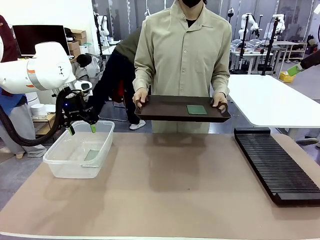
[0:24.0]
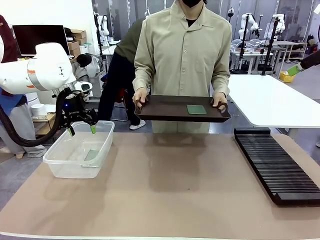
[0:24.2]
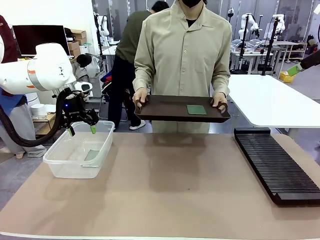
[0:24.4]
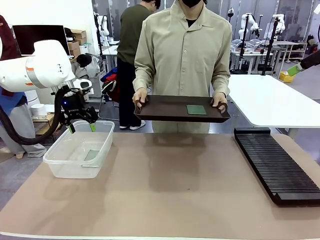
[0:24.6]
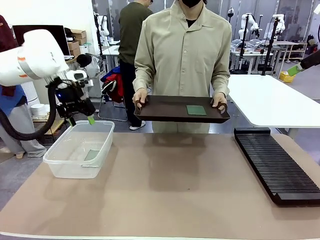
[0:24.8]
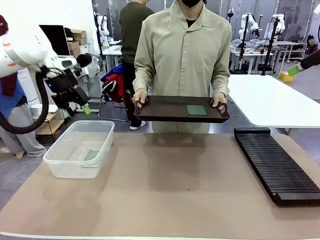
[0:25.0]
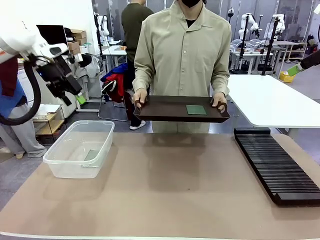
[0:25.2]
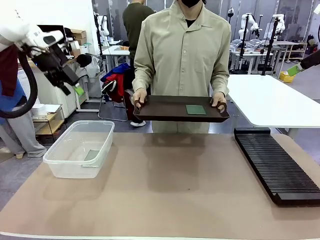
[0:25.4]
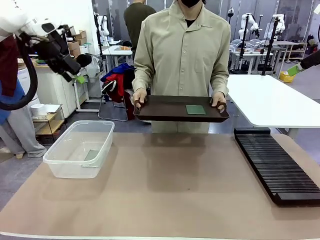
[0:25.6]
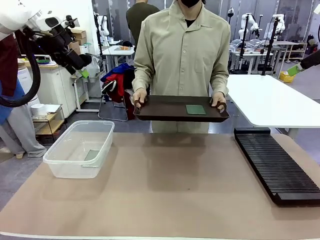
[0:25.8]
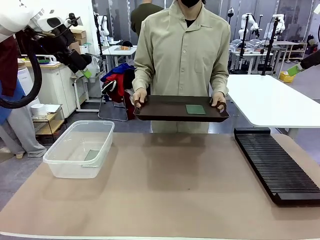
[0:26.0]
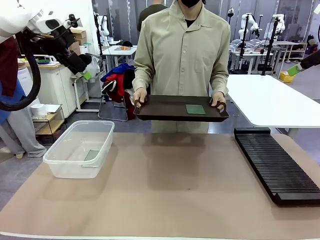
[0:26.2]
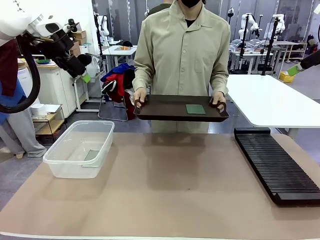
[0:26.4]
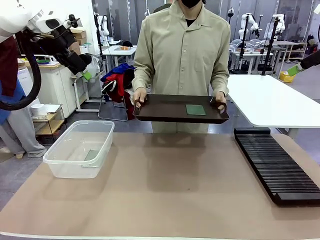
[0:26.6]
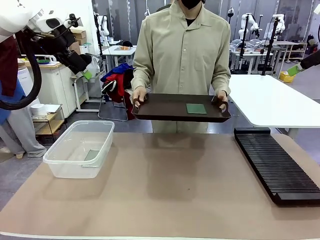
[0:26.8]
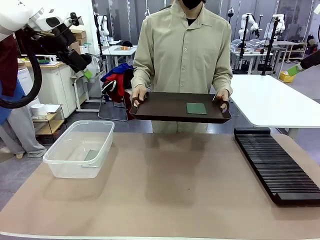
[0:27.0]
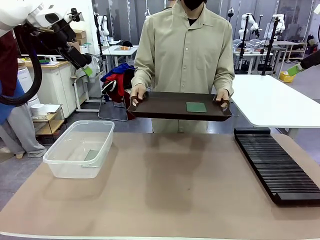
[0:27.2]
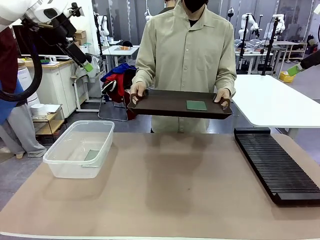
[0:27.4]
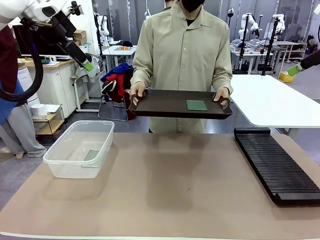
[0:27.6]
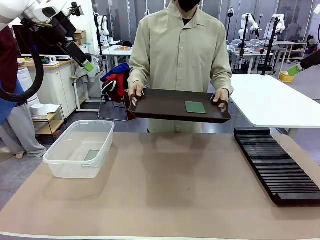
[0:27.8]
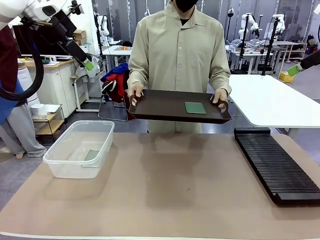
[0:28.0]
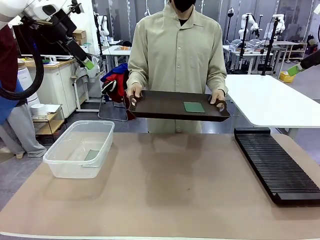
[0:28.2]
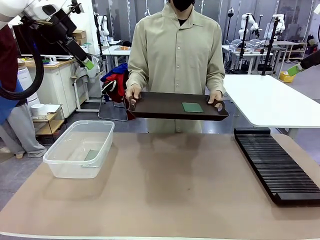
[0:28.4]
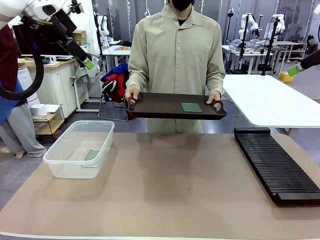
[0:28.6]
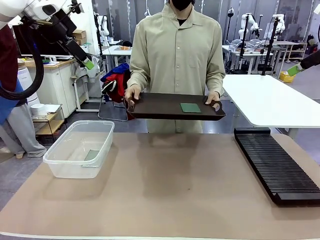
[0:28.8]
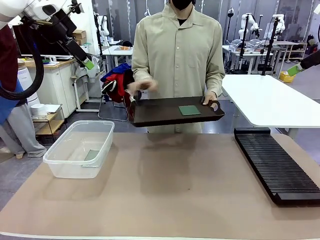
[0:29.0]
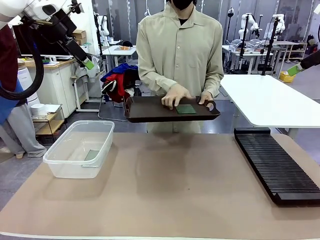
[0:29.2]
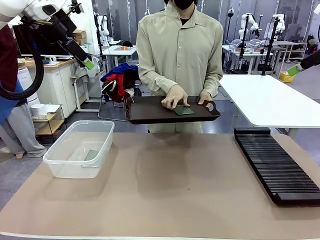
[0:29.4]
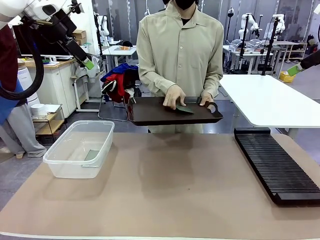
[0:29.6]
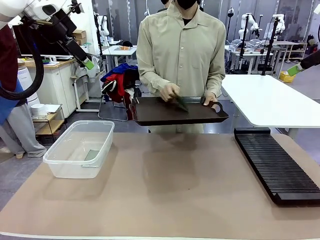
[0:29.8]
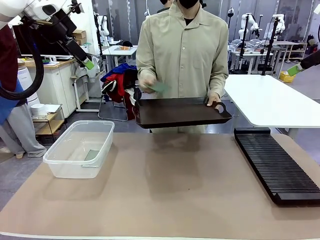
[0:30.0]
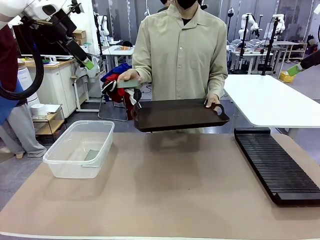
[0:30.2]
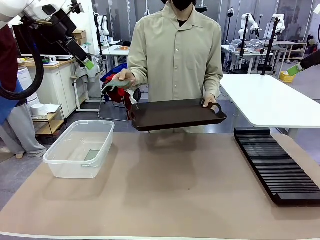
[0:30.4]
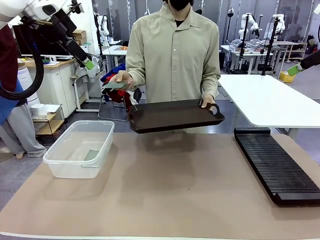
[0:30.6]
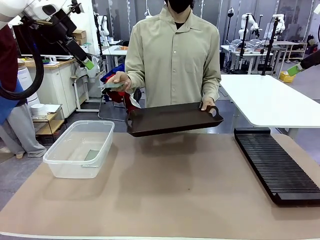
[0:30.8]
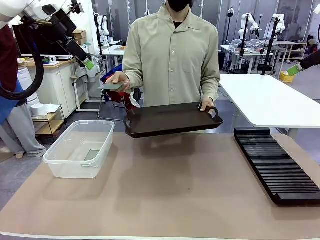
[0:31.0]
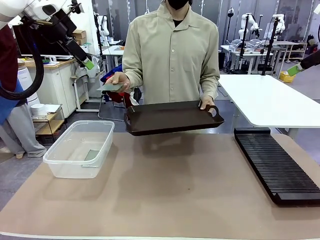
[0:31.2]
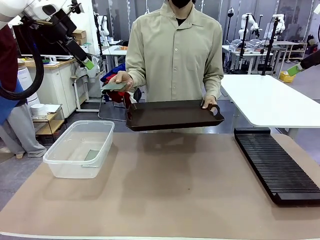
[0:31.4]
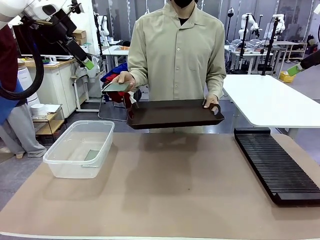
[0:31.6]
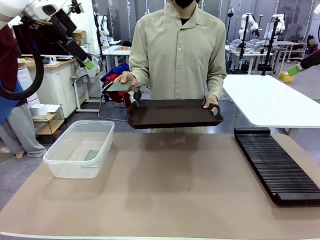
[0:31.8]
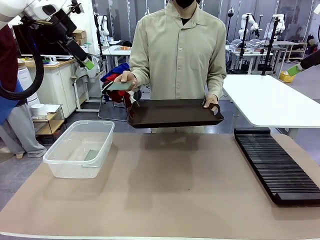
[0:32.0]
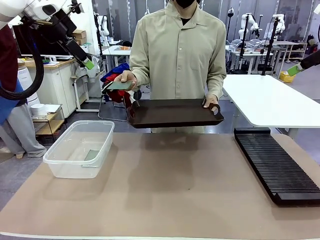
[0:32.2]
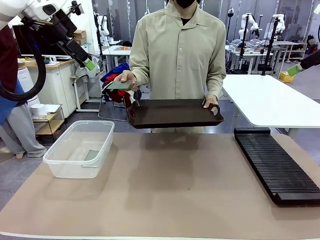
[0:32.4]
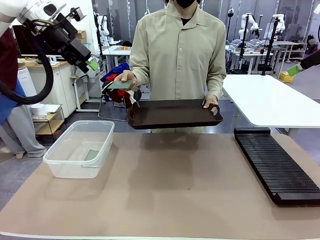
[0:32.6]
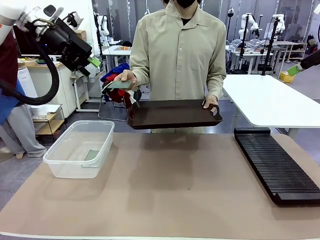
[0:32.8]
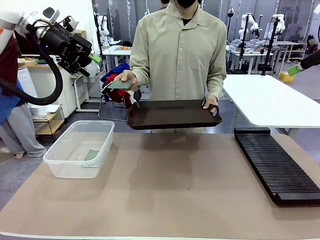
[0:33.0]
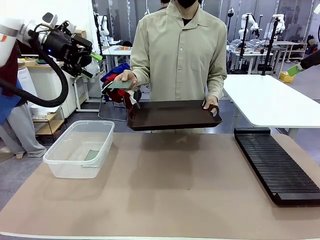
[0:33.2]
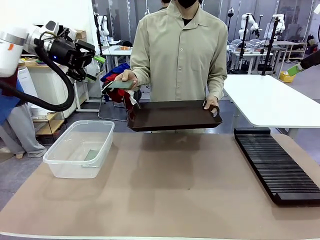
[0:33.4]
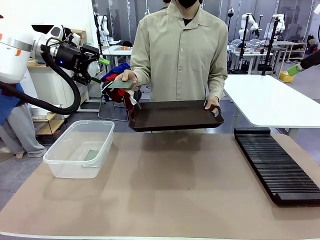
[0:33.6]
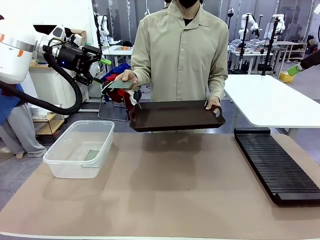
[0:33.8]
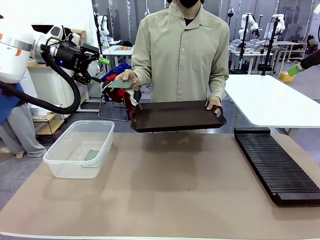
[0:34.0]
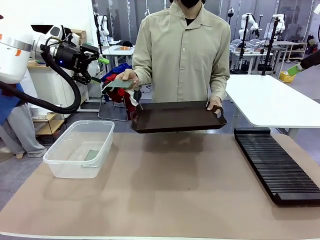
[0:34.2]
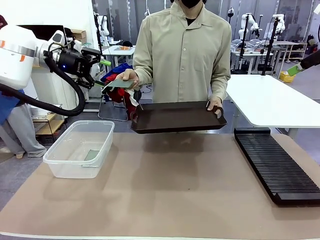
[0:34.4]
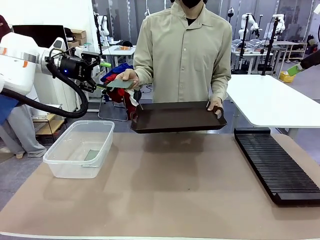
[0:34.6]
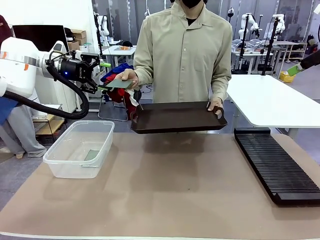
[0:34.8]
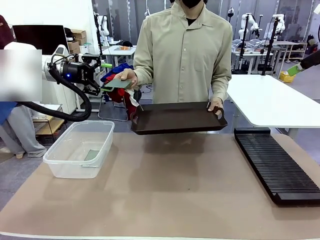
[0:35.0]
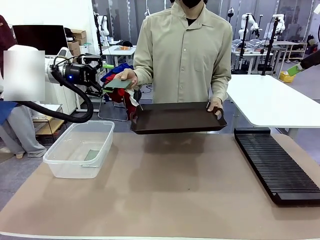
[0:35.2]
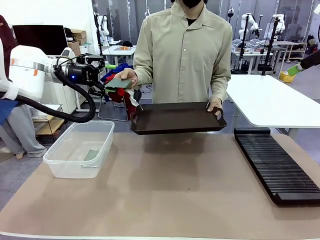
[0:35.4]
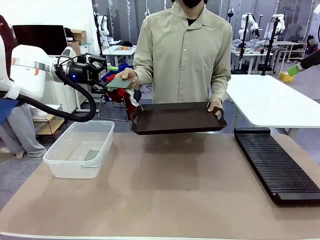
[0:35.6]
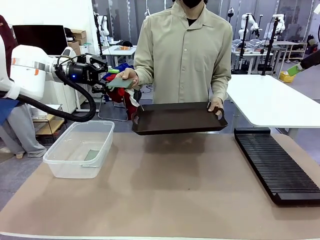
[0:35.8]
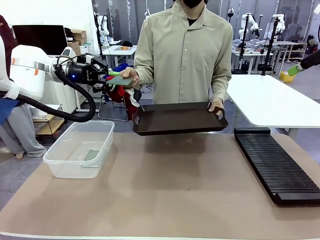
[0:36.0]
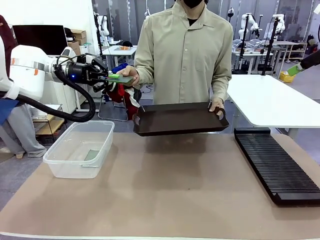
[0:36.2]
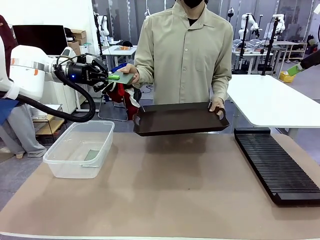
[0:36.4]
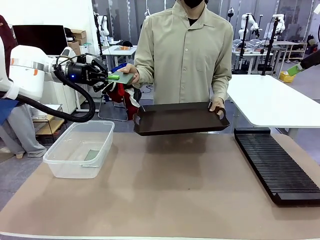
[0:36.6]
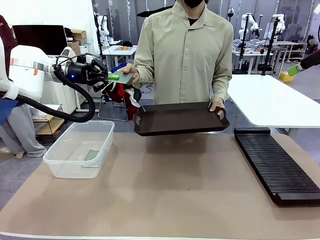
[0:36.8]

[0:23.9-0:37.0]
Task: Sort PCBs into racks and boxes based on the side picked up.
Robot: Pick up the Blank PCB handed by the Human.
Person: Pick one PCB from the tray and present it to the robot.
